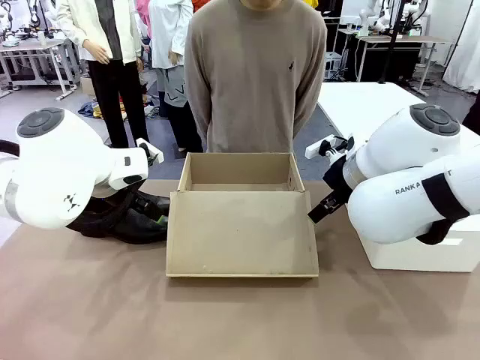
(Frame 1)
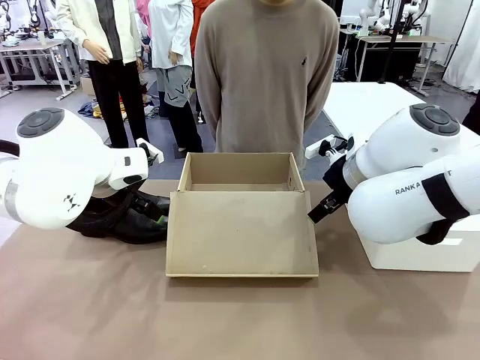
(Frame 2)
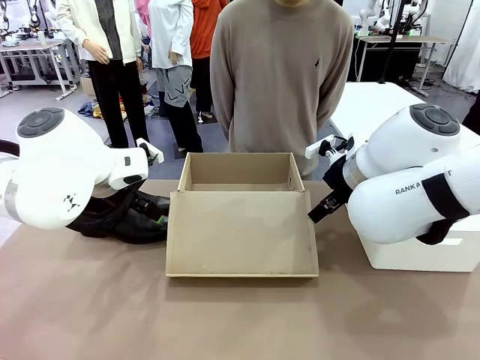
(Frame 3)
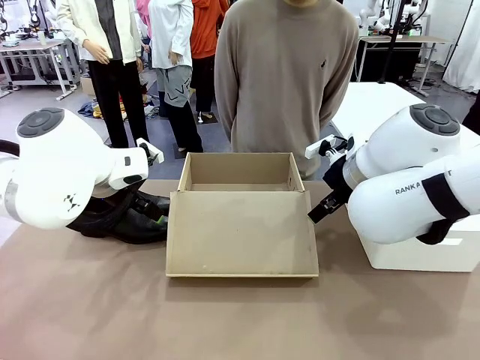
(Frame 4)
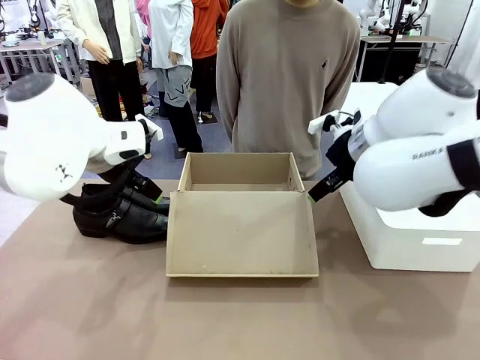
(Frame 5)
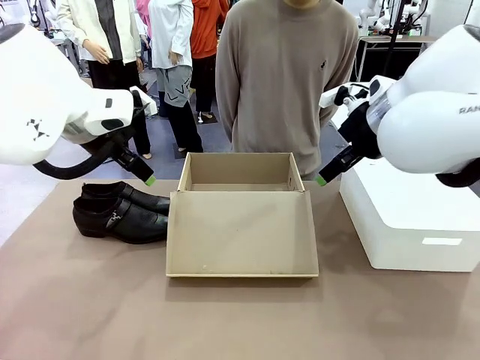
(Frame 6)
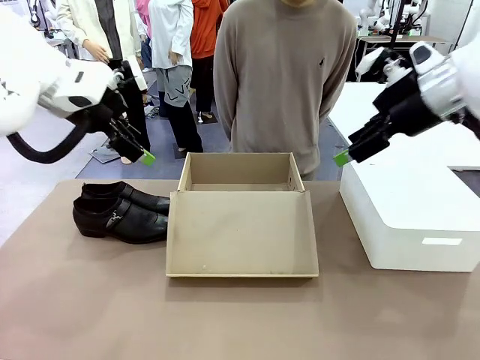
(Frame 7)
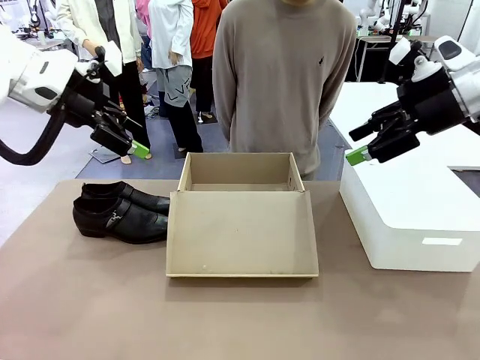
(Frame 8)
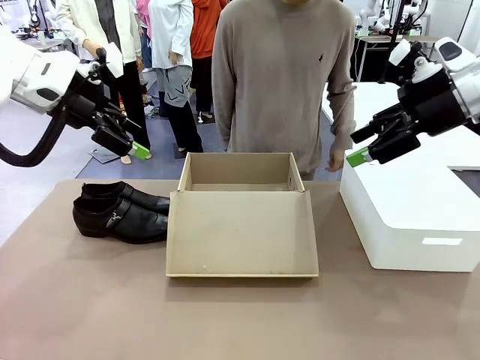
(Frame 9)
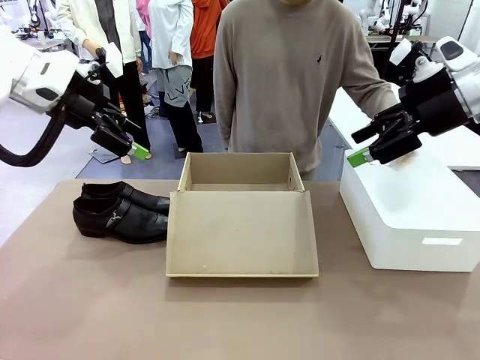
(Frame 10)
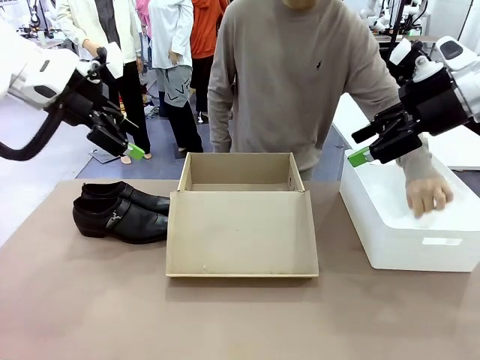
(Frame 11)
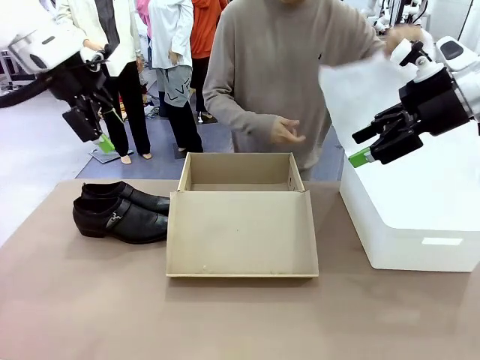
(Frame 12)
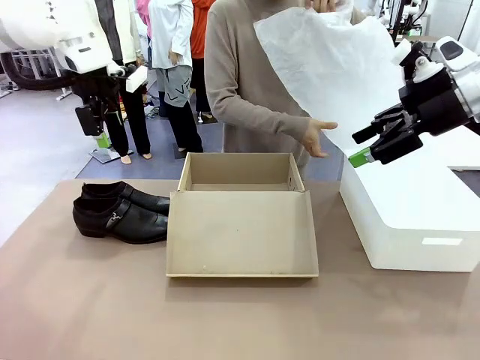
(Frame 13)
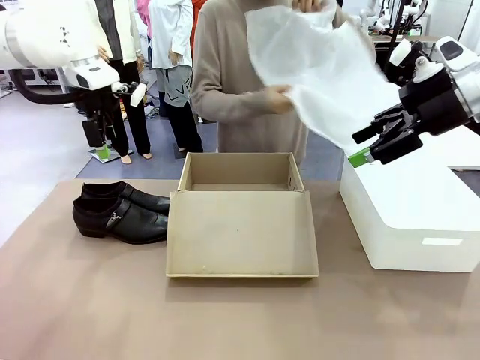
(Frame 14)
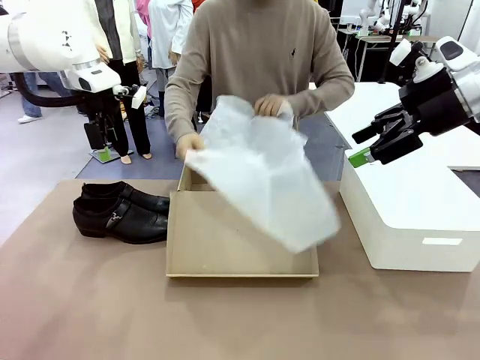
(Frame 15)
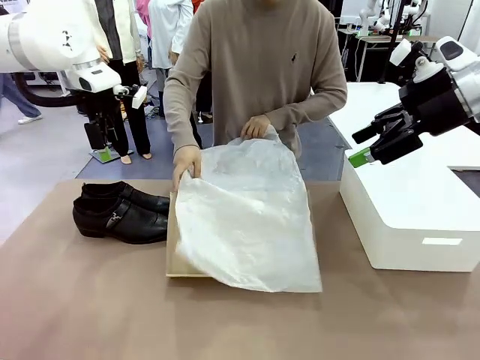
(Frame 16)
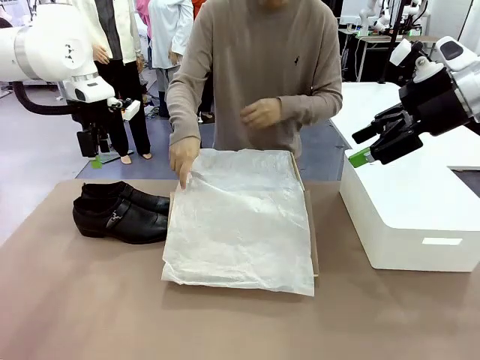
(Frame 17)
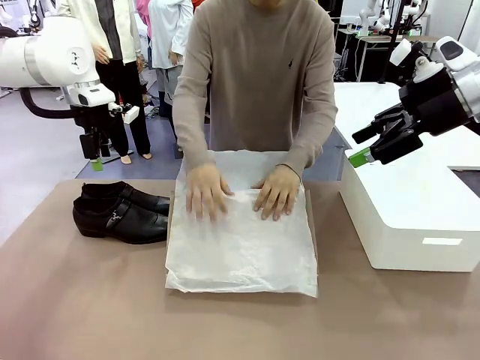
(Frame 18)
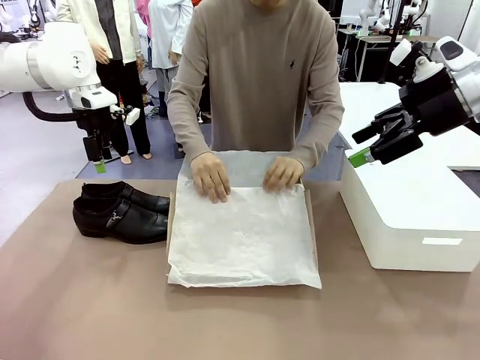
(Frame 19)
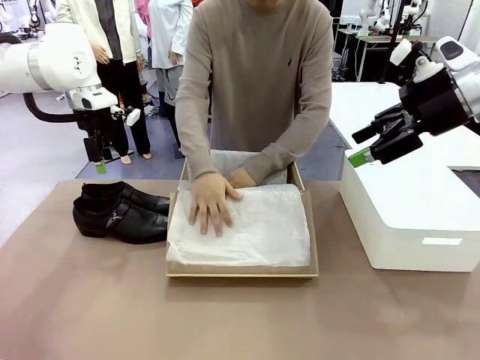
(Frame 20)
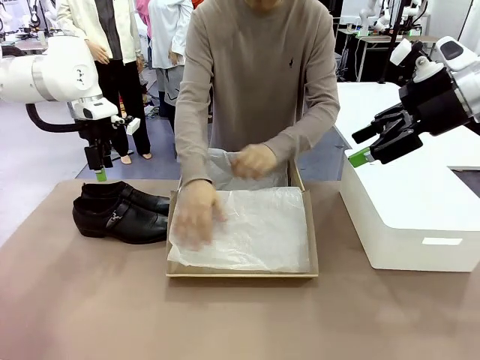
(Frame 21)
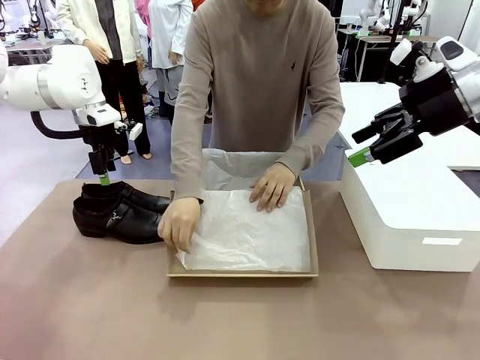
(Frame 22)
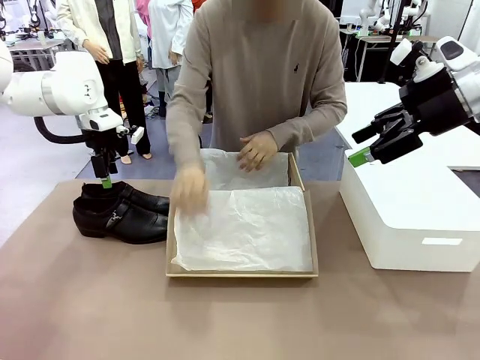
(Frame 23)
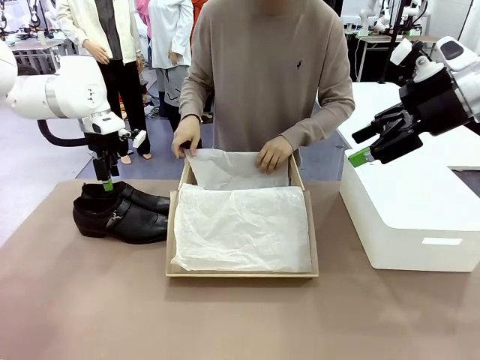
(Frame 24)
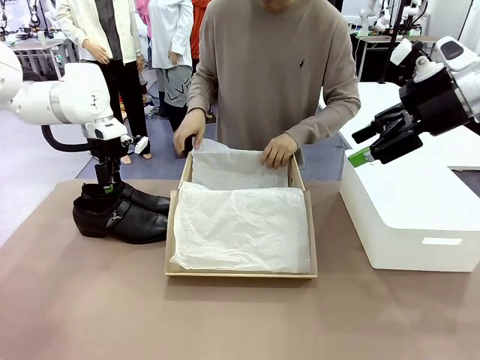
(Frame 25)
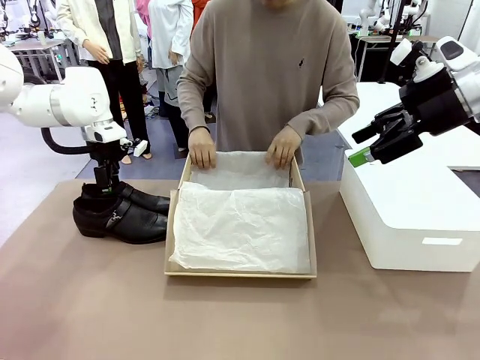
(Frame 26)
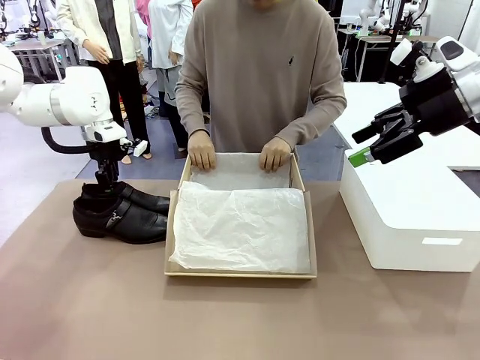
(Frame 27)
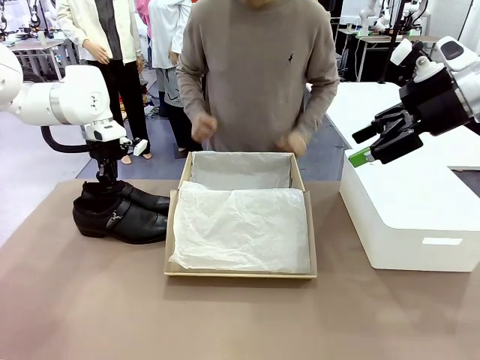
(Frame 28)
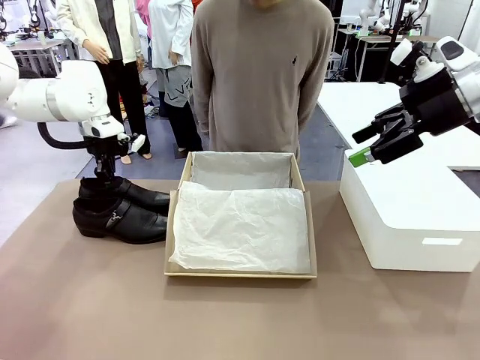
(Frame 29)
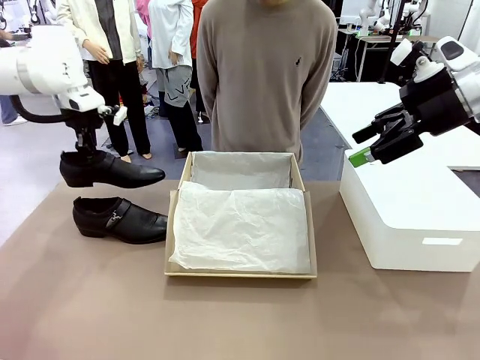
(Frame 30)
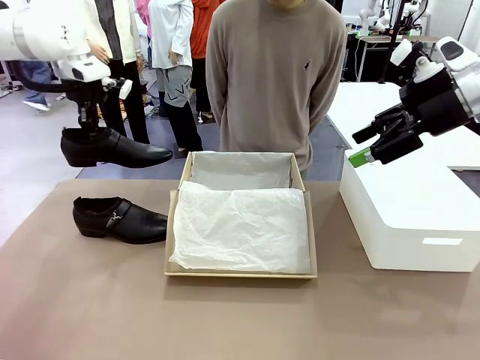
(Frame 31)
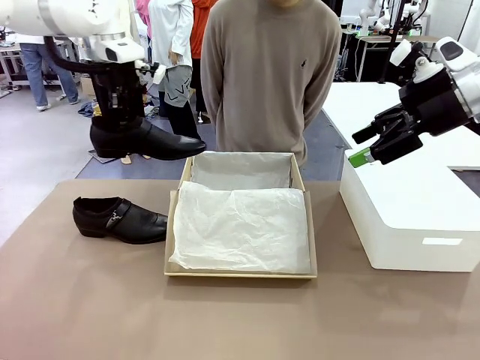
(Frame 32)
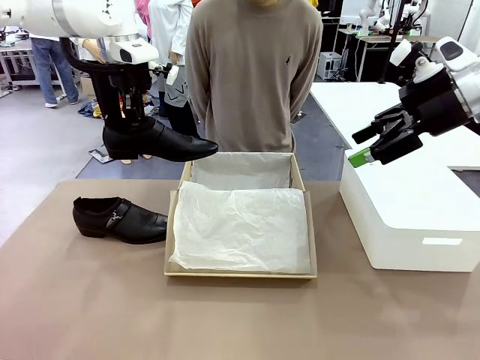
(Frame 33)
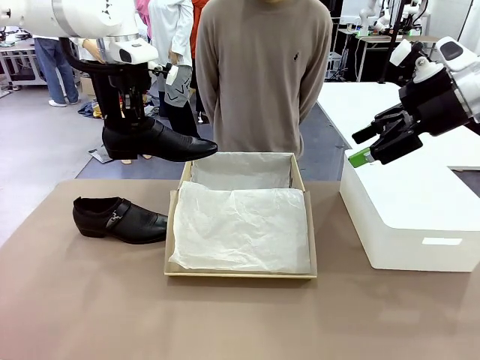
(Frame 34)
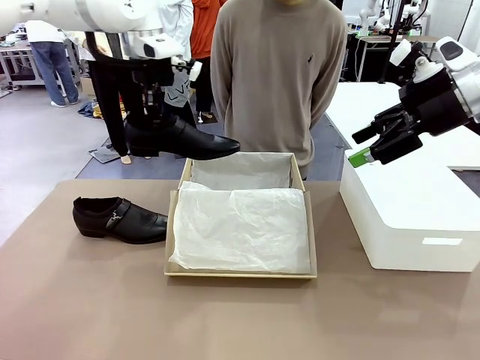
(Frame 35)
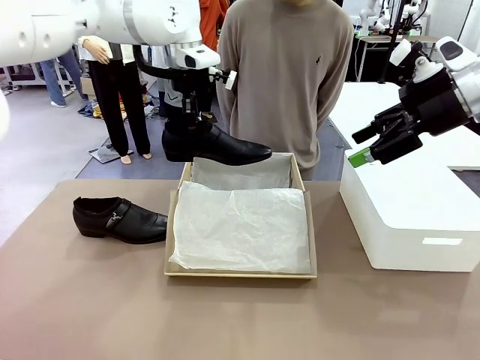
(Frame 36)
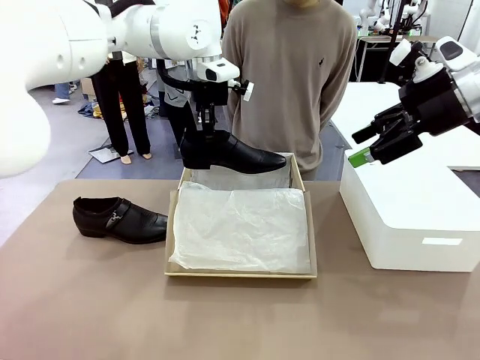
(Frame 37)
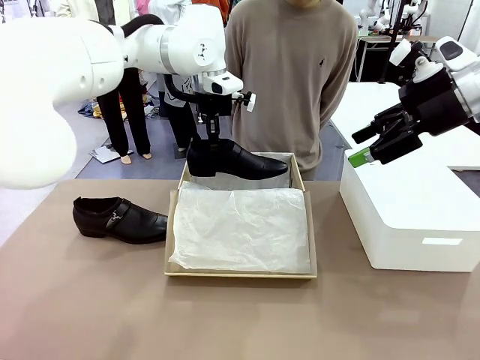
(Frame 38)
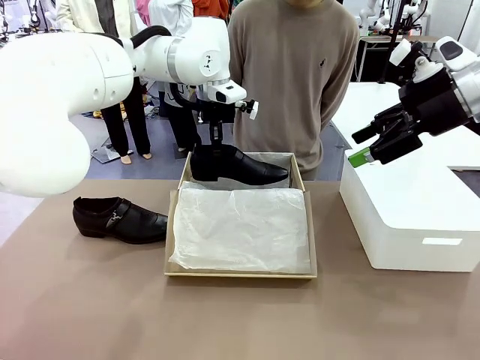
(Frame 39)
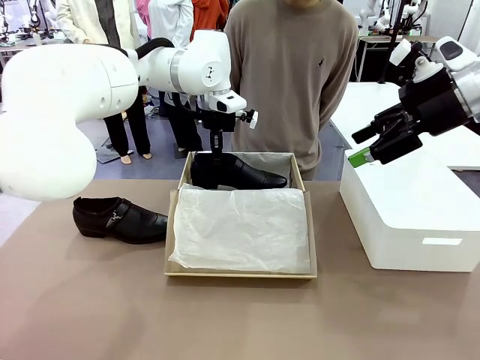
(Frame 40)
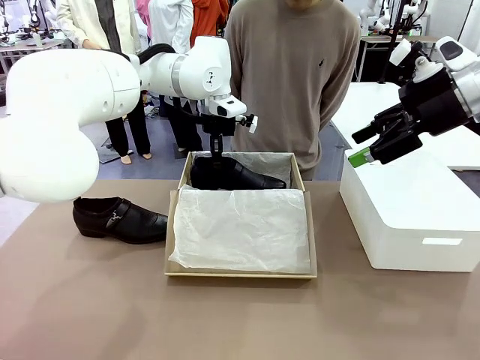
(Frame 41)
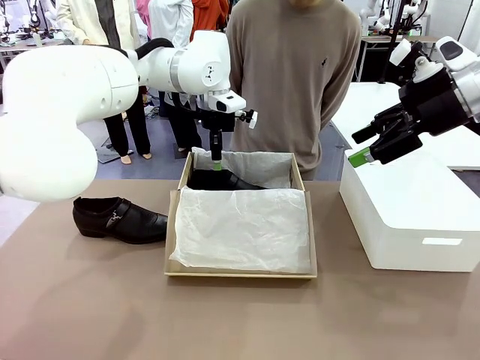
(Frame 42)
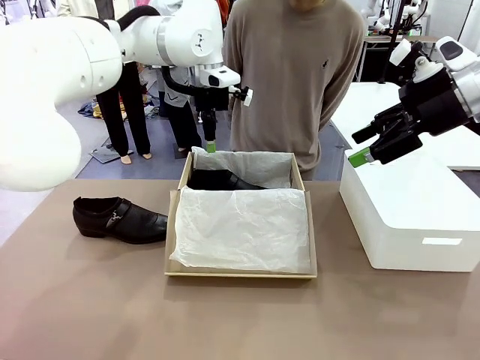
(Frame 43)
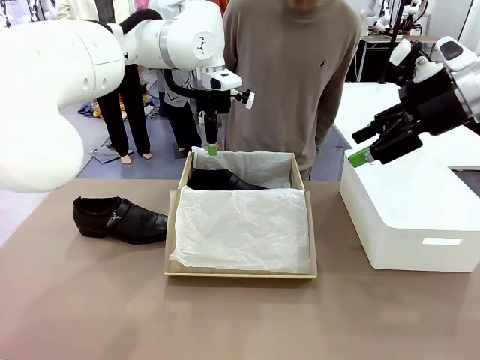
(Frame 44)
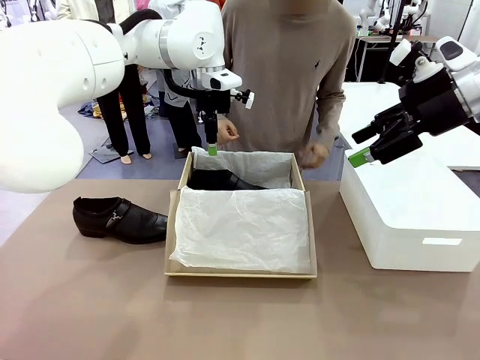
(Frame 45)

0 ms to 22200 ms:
Task: Pack the shoes into the box.
Robot: Place one shoe of the Shoes into the Shoes Box.
Person: Spread Shoes Wrapping Paper and place inside the Shoes Box.
